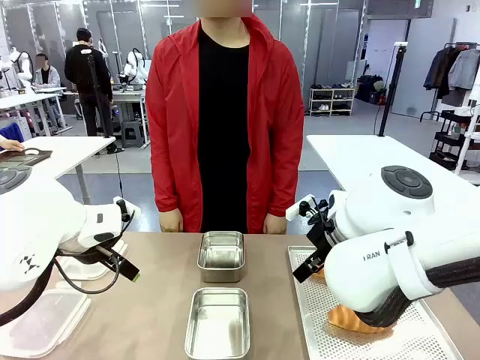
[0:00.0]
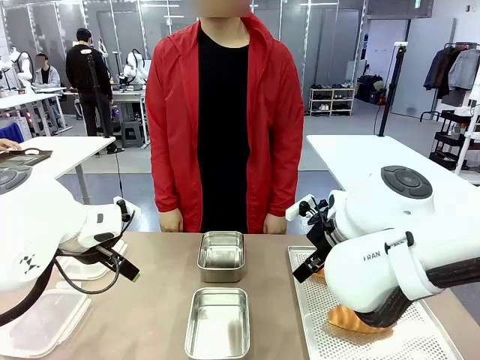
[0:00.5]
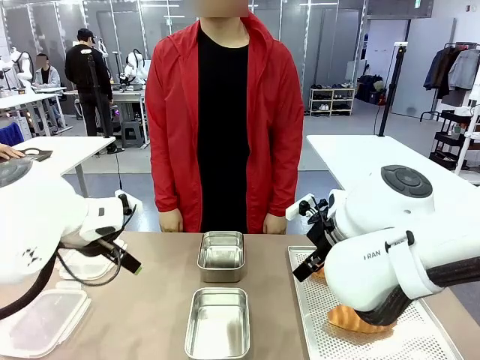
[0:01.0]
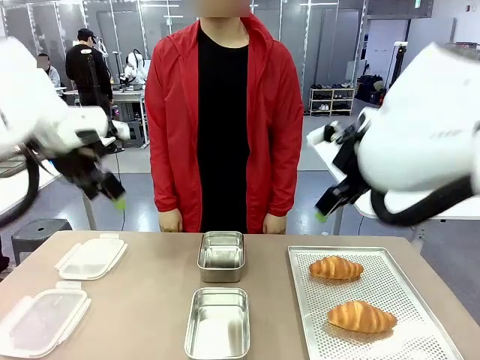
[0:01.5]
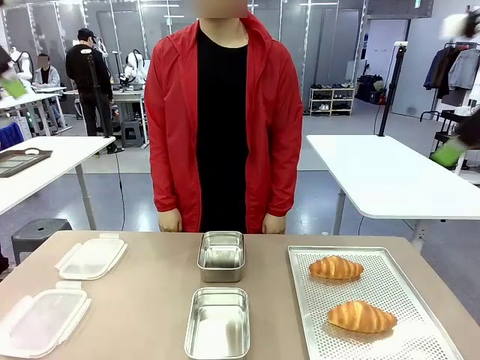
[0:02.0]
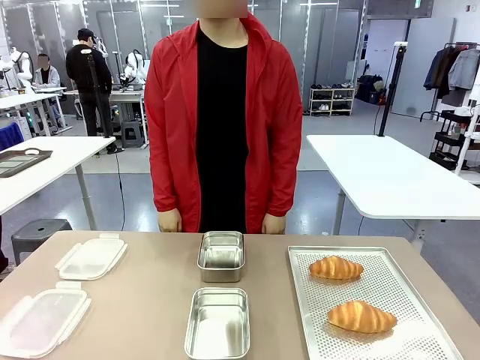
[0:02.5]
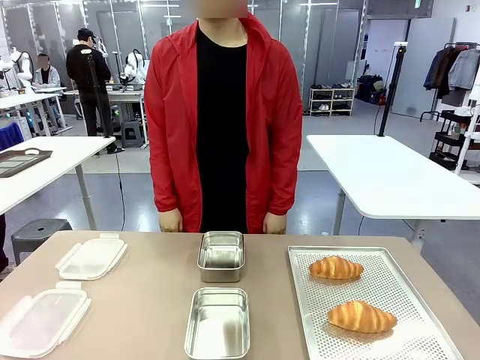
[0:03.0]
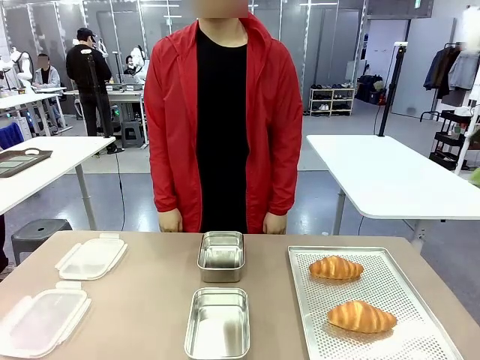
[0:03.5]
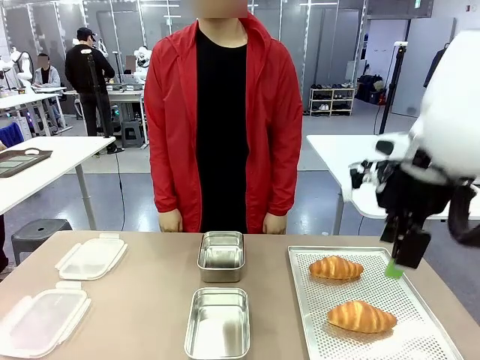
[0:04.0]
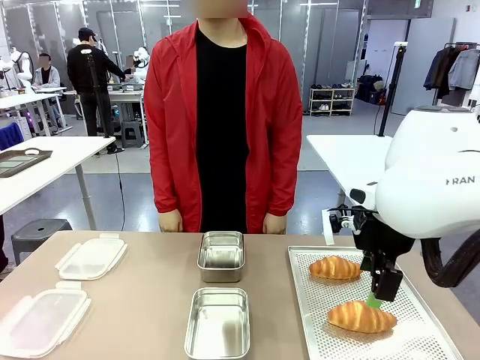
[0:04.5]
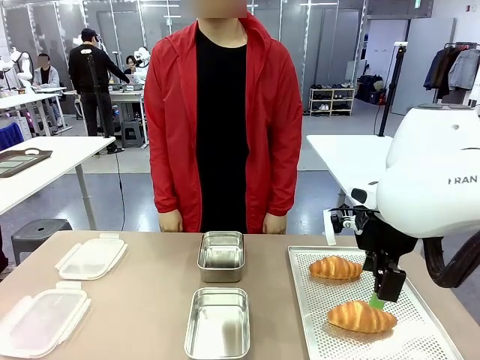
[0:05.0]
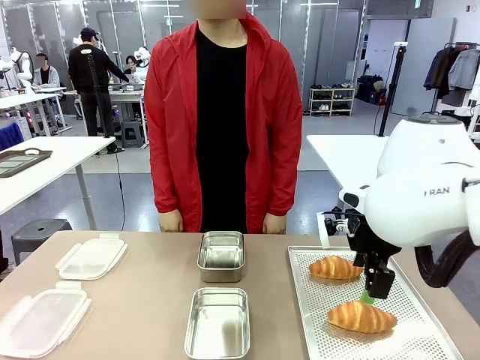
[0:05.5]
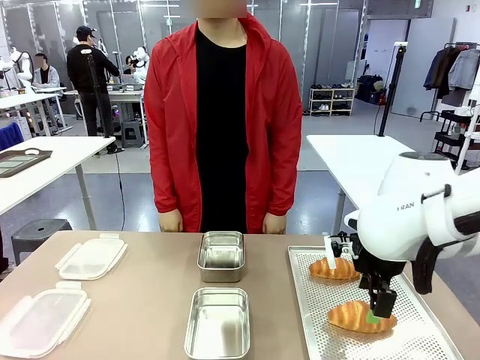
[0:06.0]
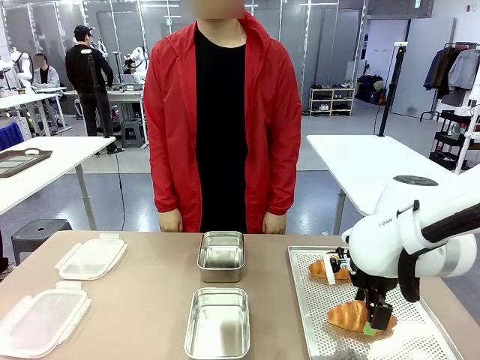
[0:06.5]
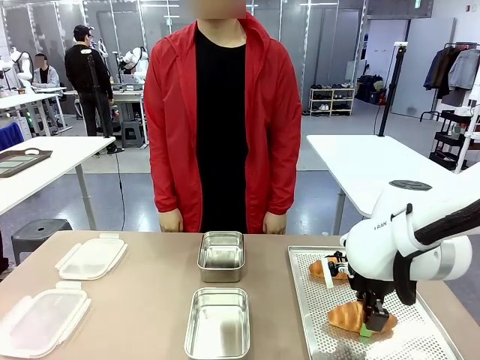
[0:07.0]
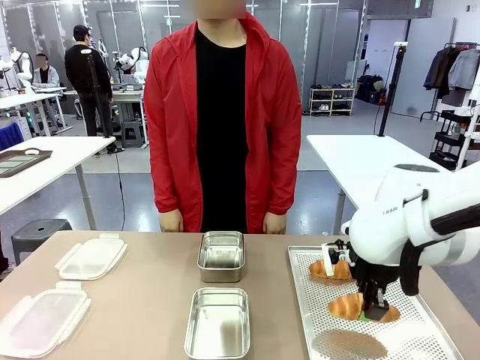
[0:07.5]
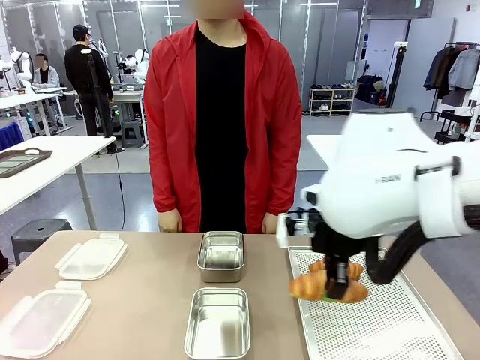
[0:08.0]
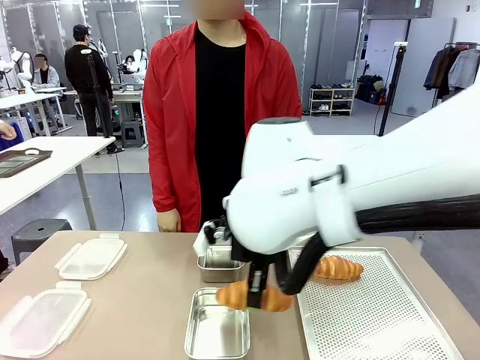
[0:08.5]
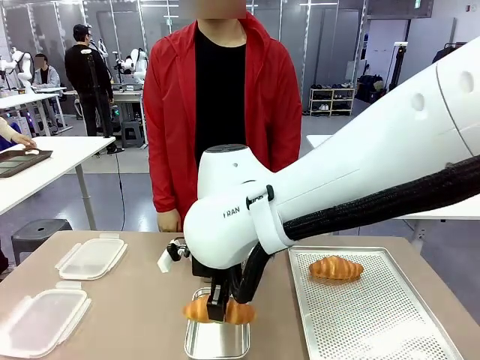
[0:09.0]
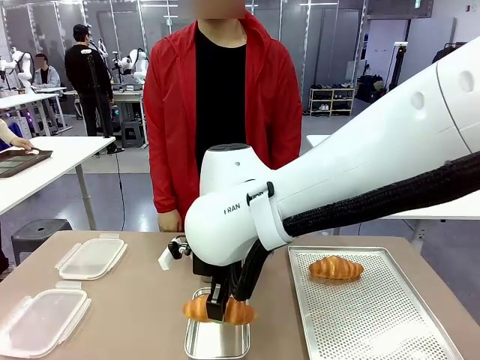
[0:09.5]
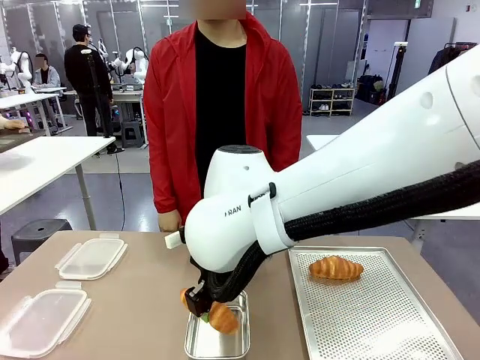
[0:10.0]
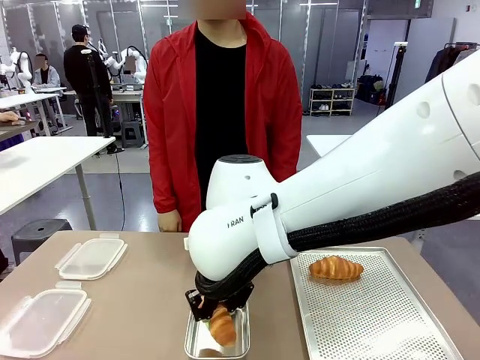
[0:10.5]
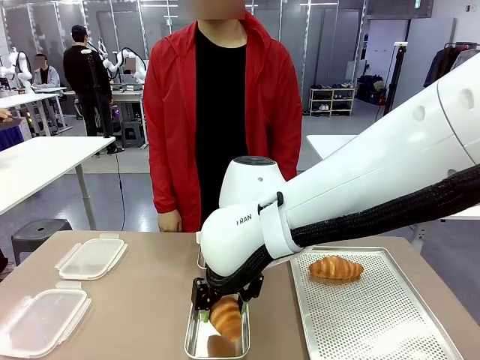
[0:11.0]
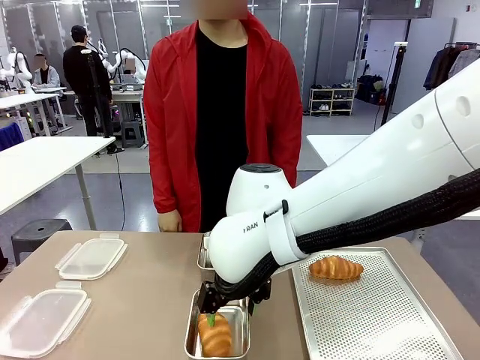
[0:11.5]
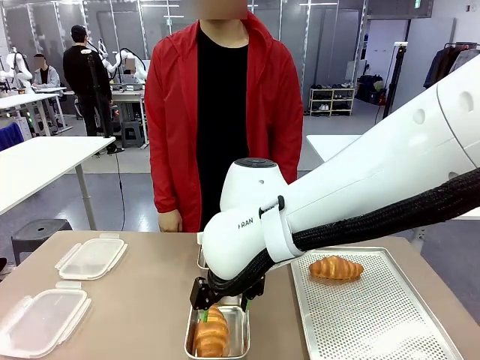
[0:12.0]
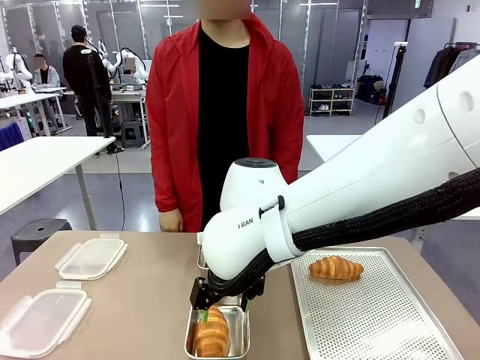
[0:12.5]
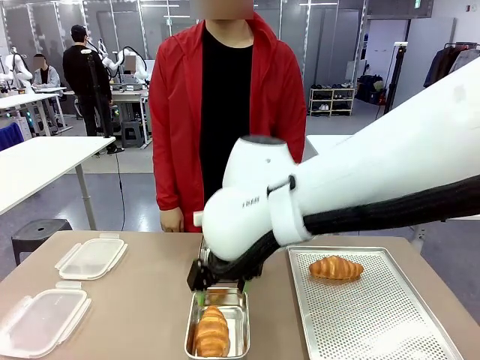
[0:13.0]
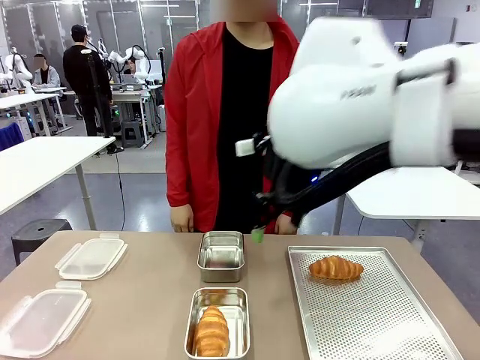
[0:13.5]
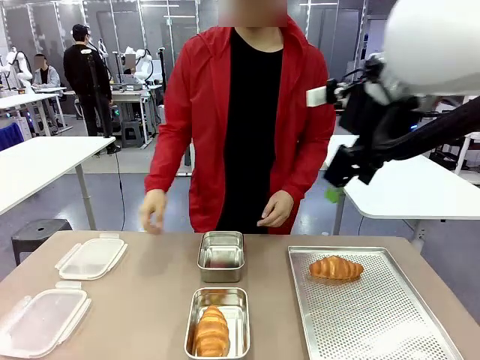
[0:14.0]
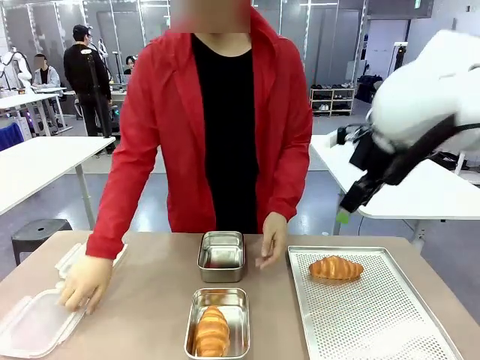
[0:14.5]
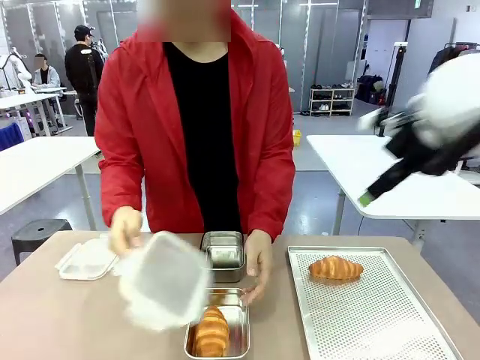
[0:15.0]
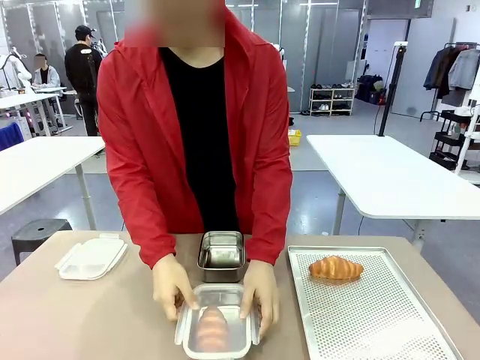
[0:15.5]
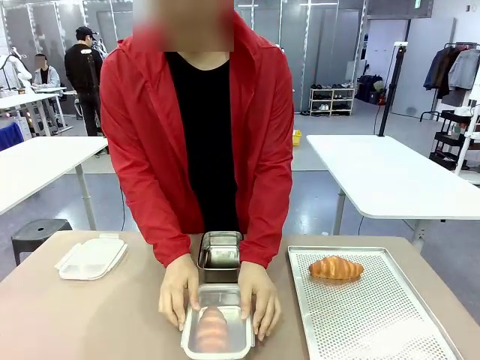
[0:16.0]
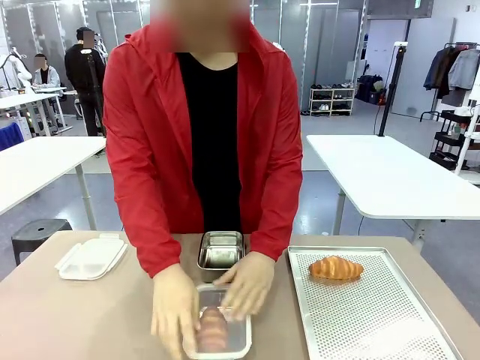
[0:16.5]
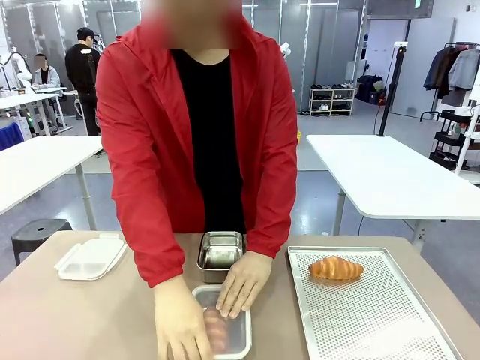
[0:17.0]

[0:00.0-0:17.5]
Task: Place the bread into the airtight container.
Robot: Pick up a Butter Roll and place it into an empty Airtight Container.
